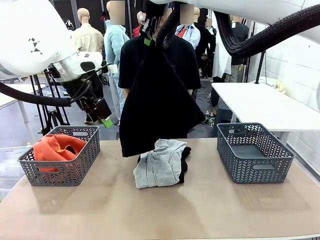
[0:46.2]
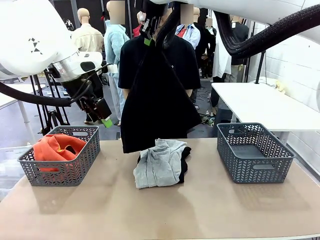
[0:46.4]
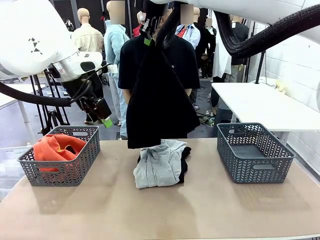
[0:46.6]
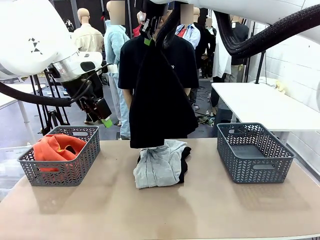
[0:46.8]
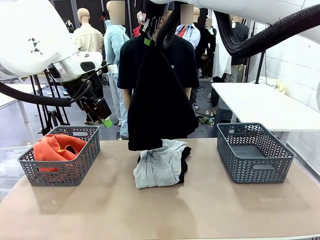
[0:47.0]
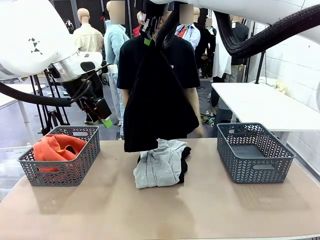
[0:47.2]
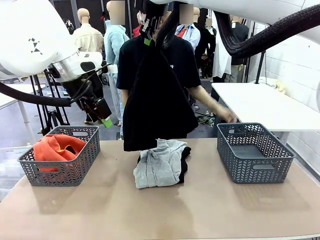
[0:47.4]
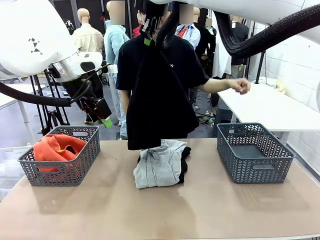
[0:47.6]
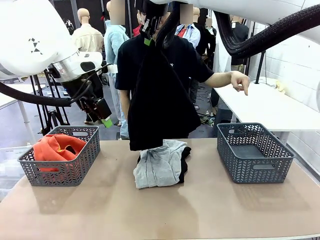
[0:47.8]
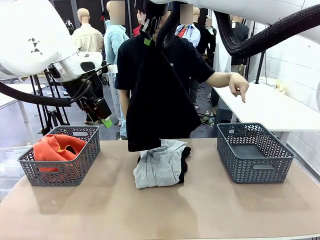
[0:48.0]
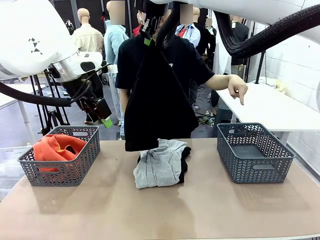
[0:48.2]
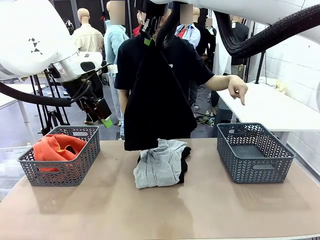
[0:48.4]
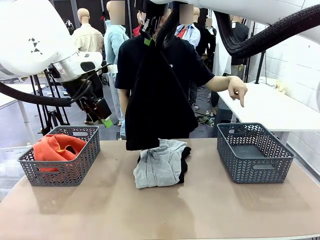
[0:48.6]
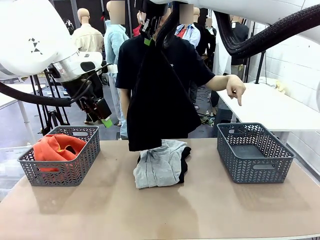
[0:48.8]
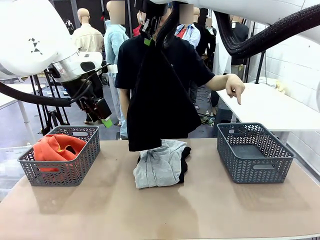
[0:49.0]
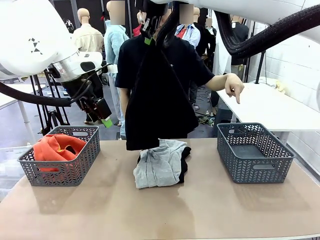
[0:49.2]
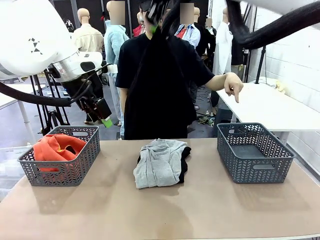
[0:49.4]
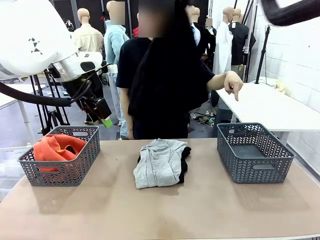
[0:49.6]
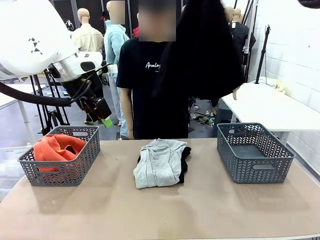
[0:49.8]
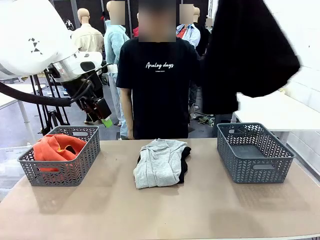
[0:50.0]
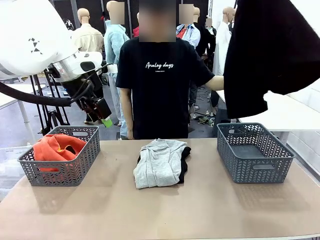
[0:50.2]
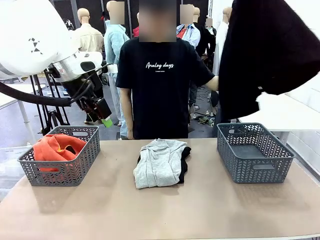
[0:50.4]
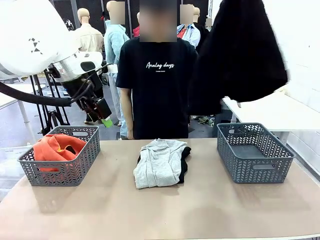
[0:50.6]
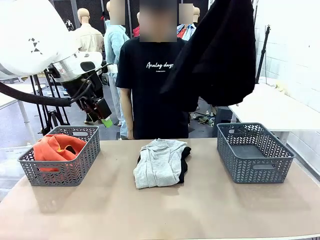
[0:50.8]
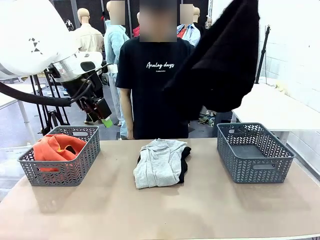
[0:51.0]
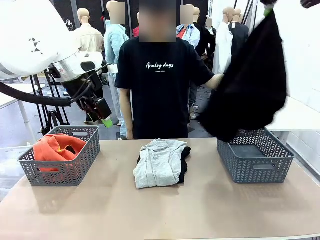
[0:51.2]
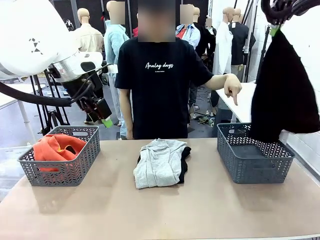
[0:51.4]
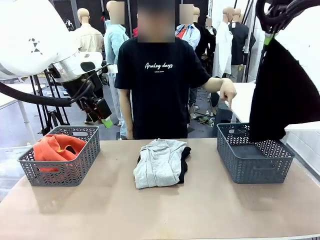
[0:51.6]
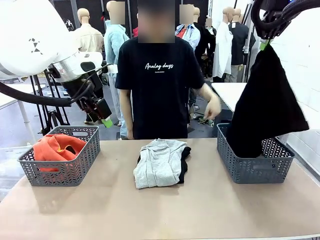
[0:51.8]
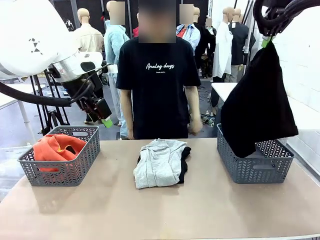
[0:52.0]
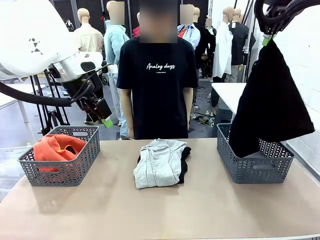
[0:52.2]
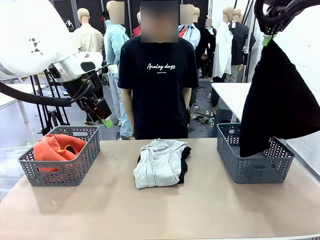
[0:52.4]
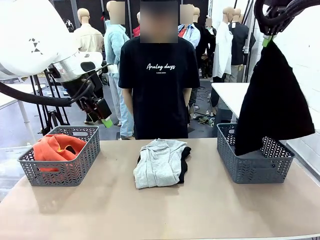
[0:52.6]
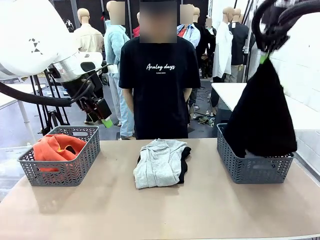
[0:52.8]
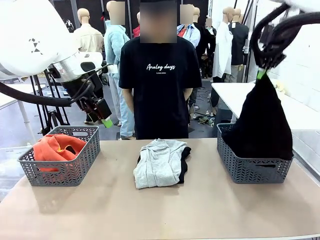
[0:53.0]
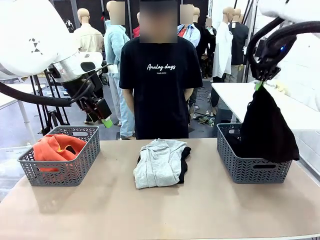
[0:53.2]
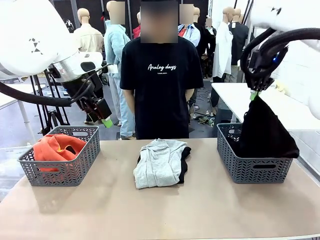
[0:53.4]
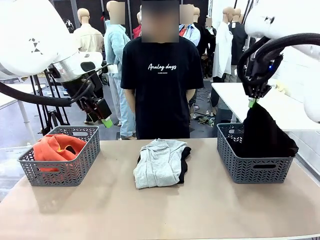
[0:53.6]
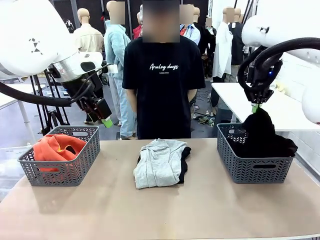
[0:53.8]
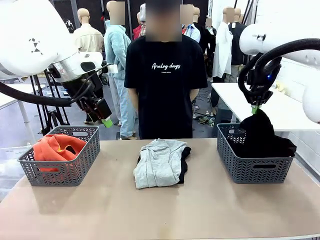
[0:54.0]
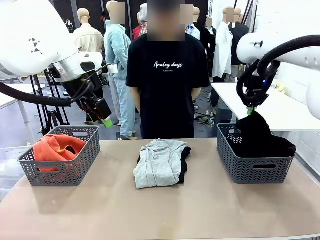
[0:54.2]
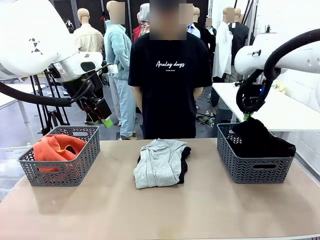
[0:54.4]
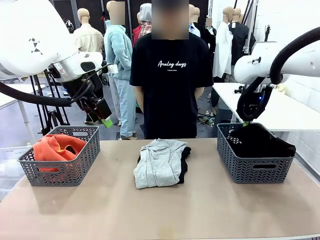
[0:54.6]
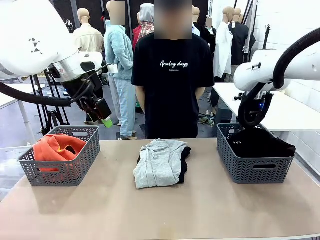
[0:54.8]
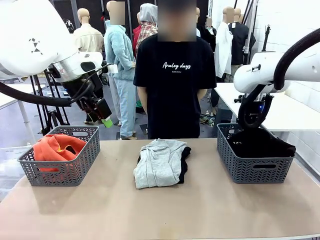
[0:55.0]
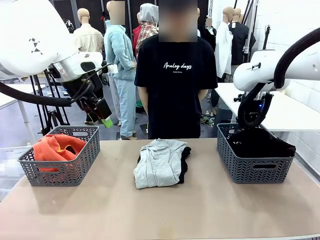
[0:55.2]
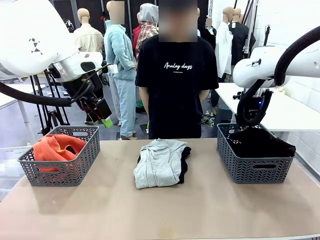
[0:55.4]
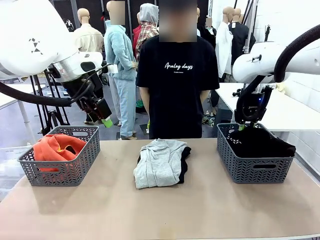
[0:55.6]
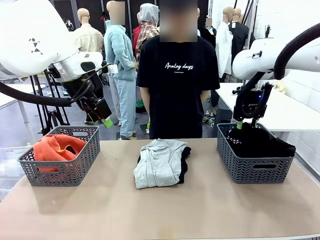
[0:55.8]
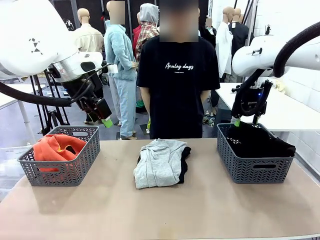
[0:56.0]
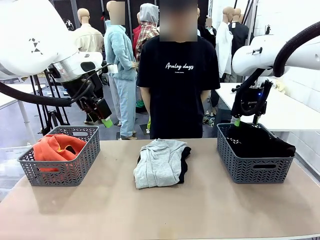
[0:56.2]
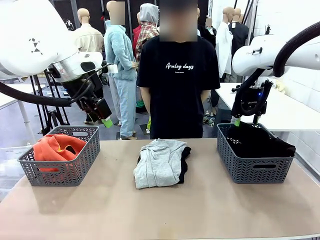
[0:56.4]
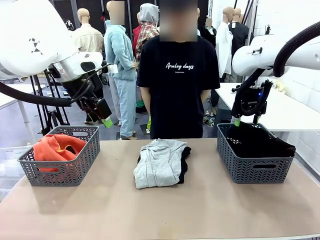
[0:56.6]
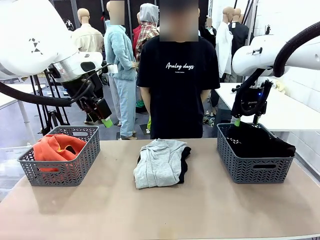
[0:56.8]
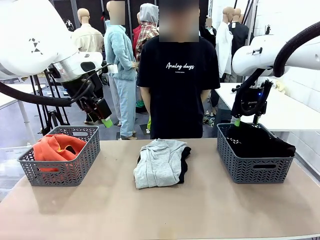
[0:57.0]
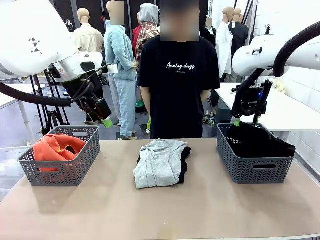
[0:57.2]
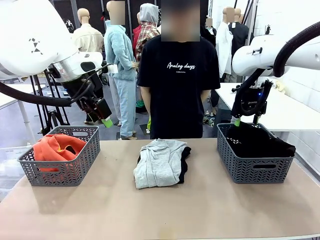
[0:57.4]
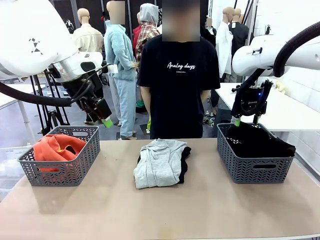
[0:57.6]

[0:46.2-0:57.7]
Task: Sort the tops and bottoms.
Robot: Sort the clothes according to human instructions.

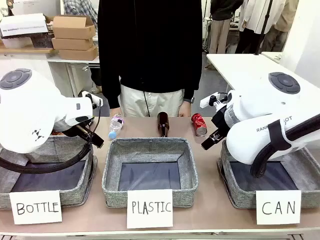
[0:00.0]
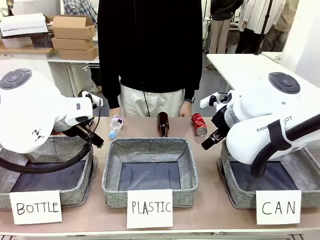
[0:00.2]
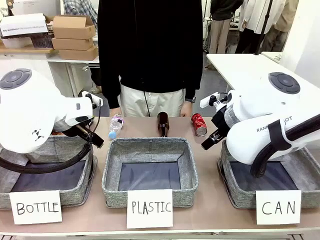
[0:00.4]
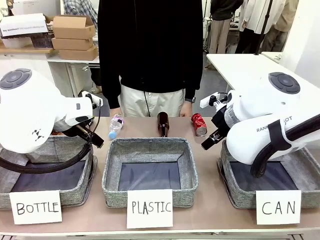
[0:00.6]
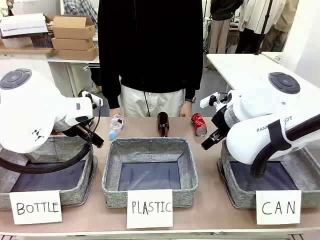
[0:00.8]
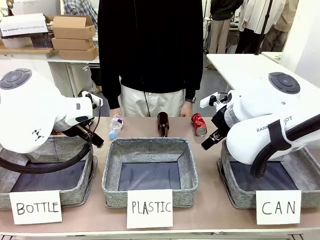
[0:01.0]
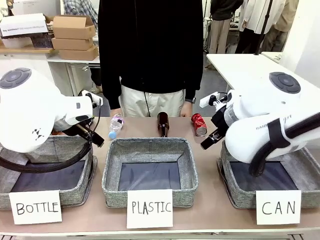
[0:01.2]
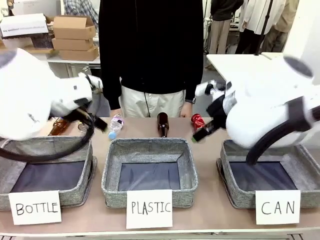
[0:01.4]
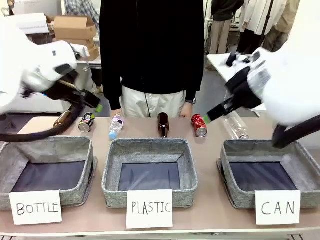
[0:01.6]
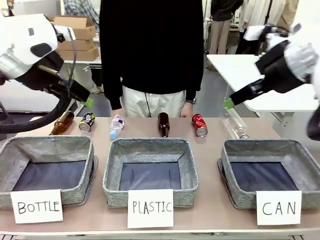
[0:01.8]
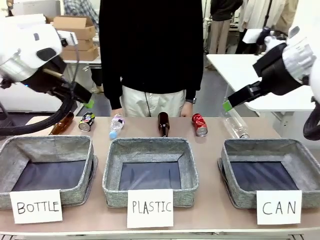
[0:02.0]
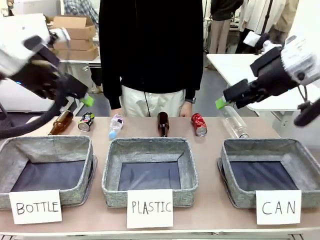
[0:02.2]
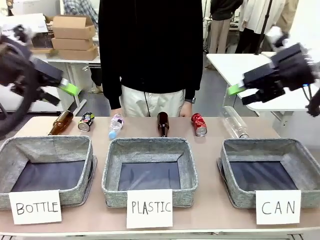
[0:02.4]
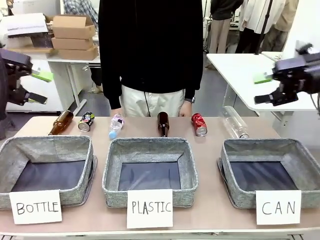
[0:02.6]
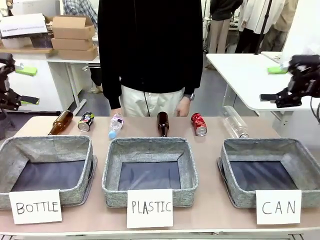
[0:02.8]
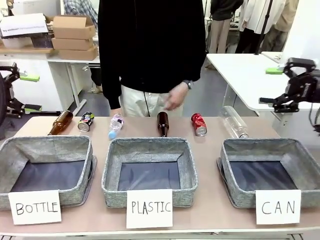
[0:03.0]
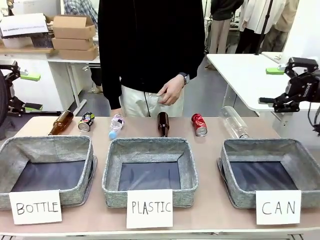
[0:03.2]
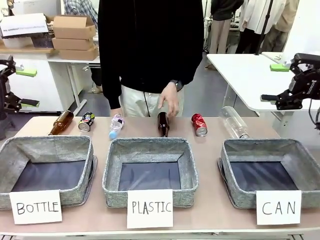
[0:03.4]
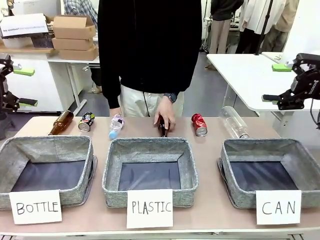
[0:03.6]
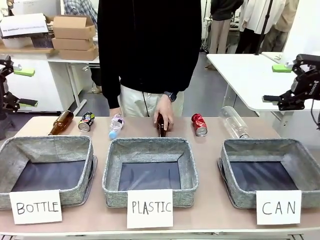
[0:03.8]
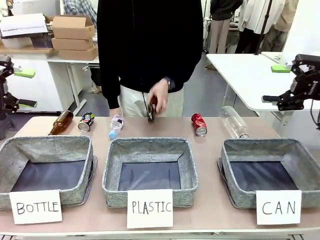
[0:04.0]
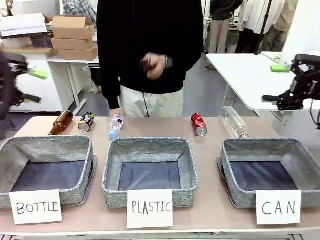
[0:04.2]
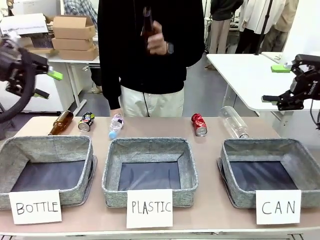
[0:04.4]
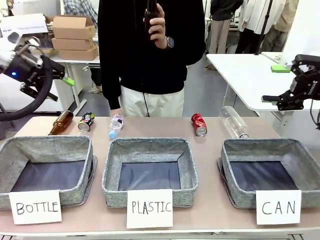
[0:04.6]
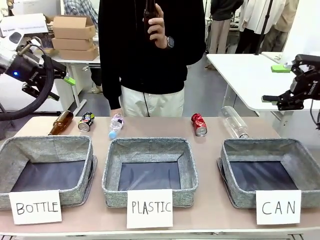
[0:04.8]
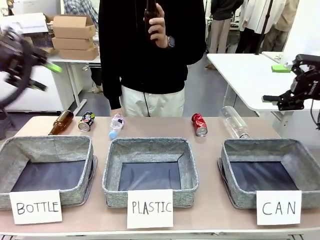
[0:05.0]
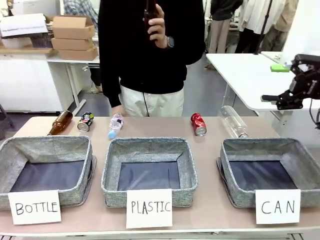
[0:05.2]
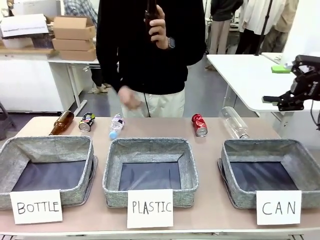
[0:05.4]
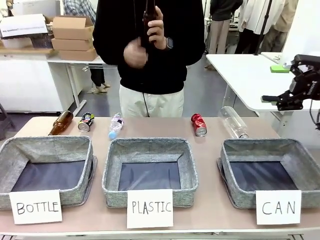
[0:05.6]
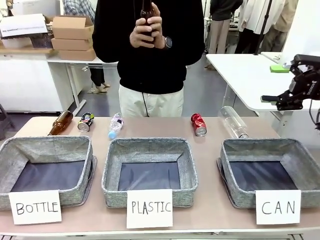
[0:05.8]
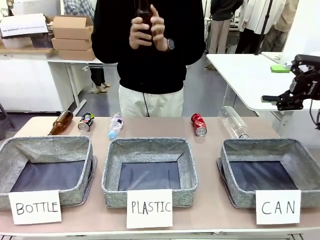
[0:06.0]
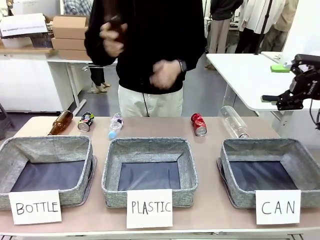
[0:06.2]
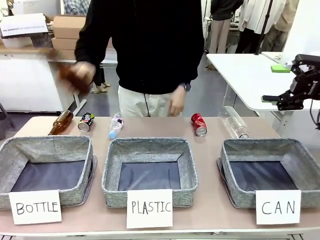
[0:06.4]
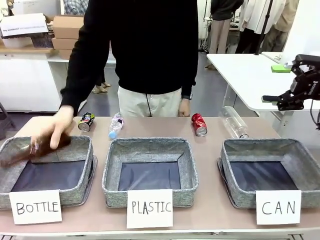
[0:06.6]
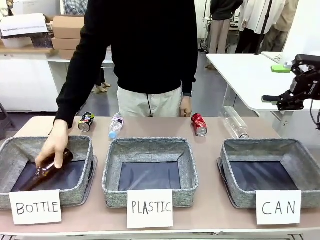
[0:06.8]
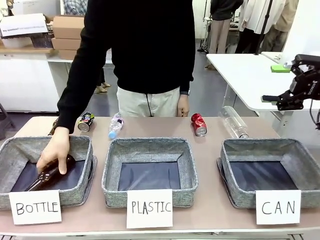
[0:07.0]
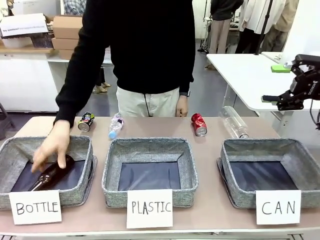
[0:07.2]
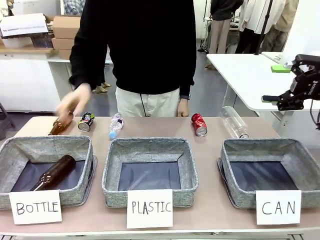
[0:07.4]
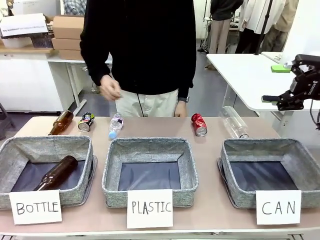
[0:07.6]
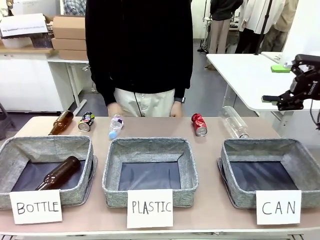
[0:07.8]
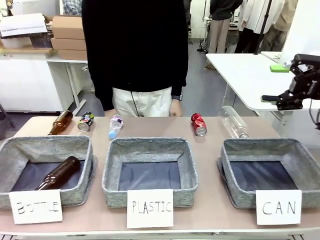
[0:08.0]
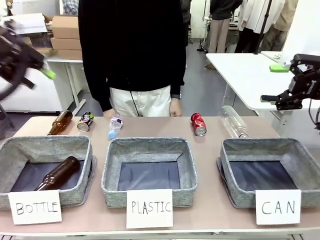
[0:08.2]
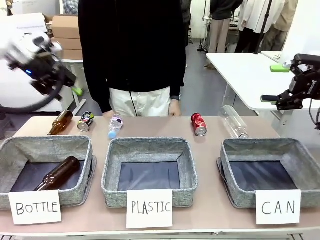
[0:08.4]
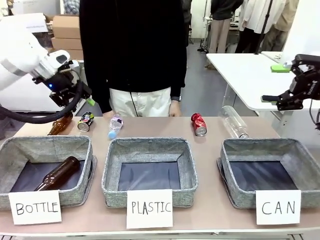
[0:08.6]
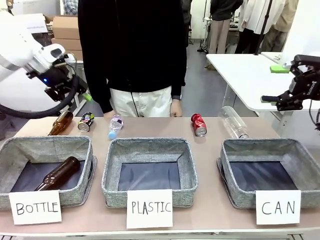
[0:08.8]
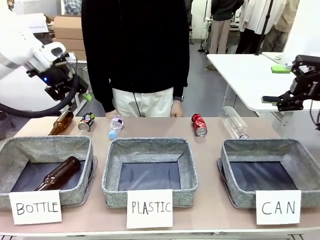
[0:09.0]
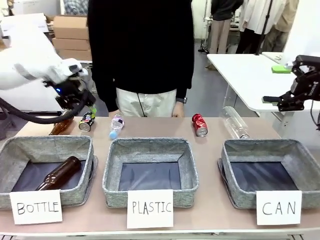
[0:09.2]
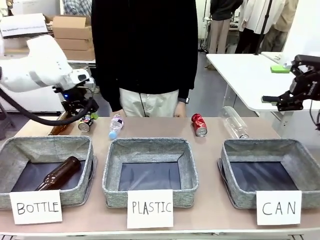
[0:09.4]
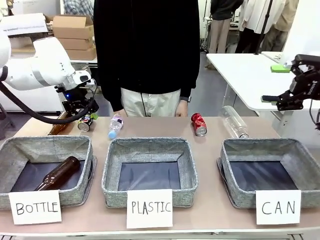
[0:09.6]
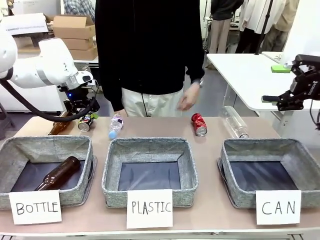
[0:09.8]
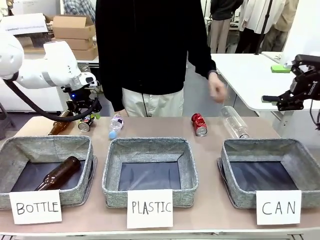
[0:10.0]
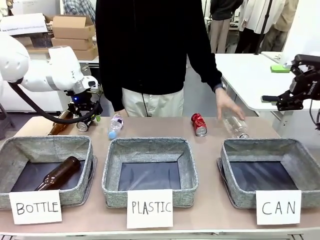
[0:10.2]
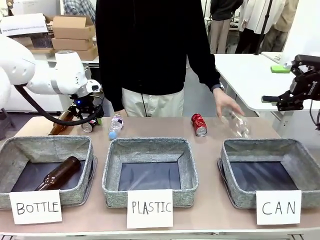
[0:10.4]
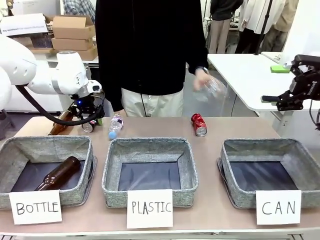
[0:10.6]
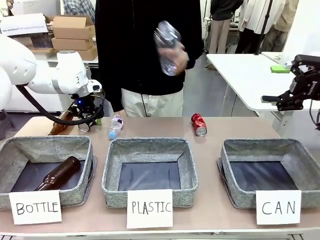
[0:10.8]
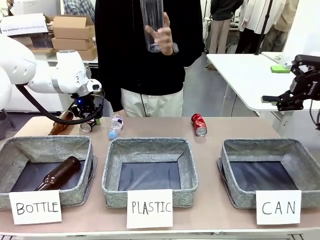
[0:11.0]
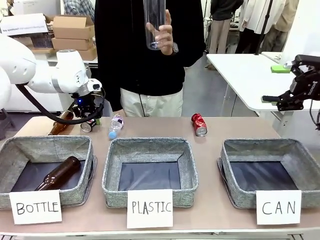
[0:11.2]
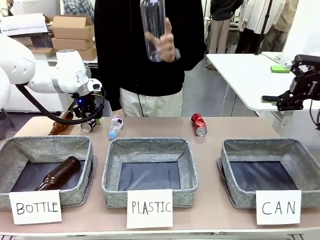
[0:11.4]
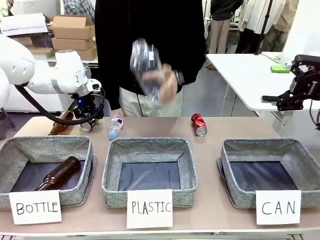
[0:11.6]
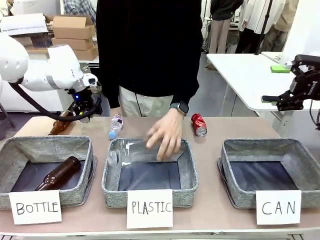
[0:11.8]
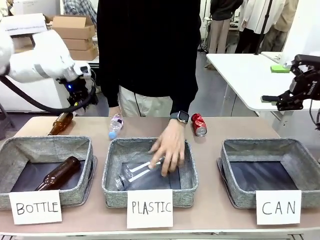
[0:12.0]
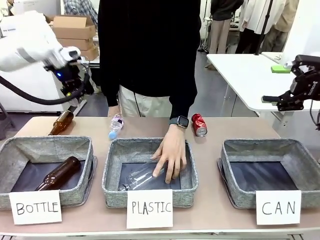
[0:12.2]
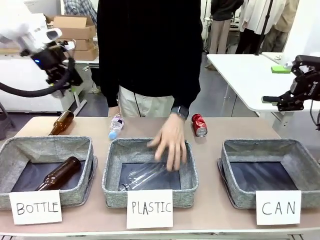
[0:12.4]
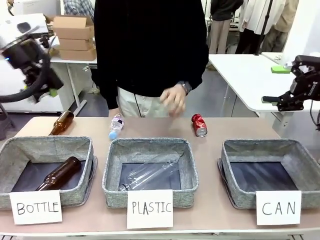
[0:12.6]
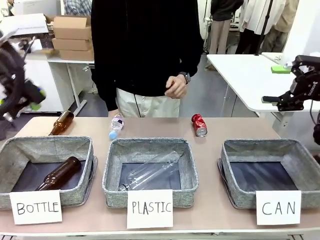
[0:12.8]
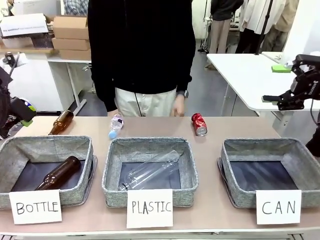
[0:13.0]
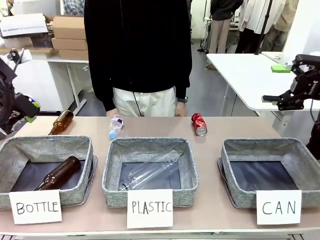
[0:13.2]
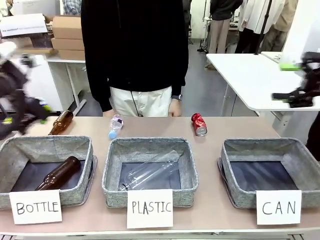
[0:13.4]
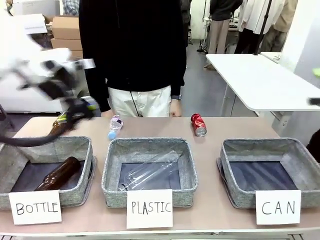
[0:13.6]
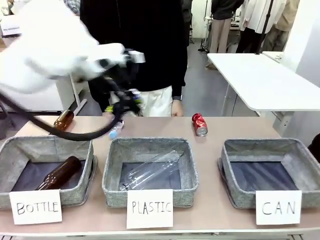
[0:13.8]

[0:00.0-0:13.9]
Task: Sort the can waste into the basket.
Robot: Pick up the can waste from the table and place it in the right Fabric basket.
